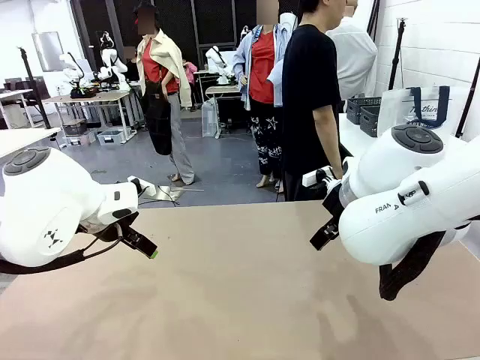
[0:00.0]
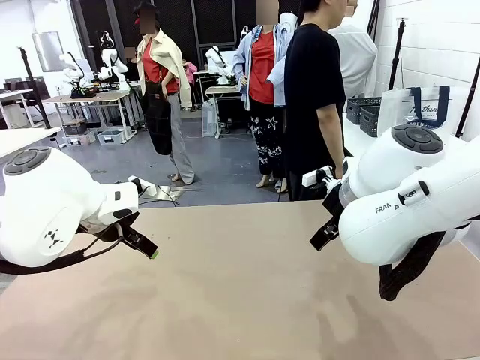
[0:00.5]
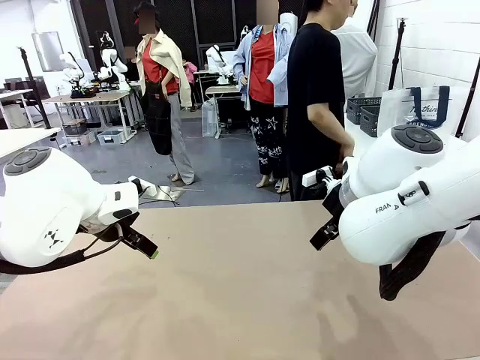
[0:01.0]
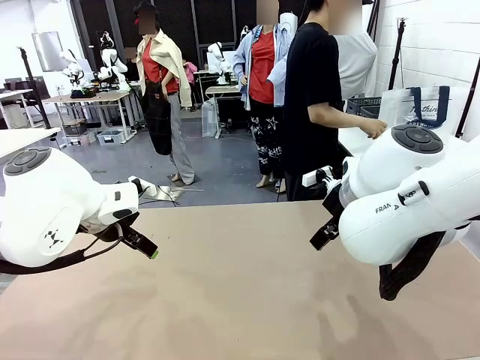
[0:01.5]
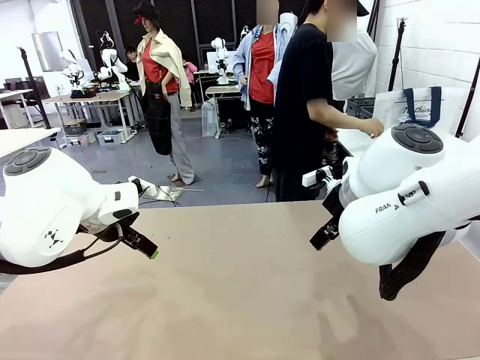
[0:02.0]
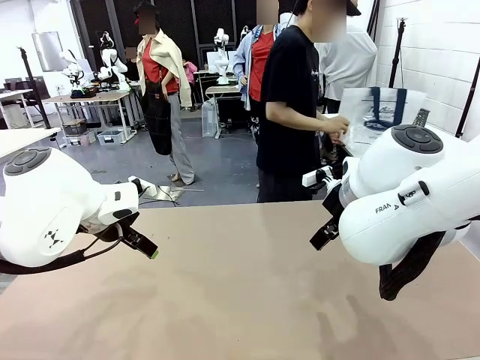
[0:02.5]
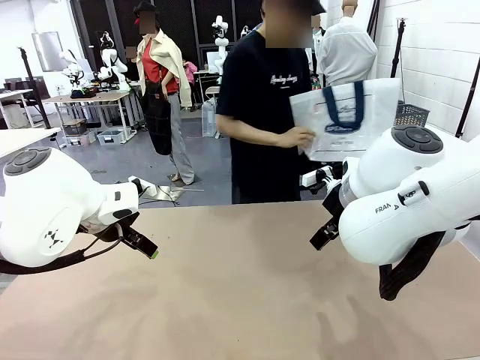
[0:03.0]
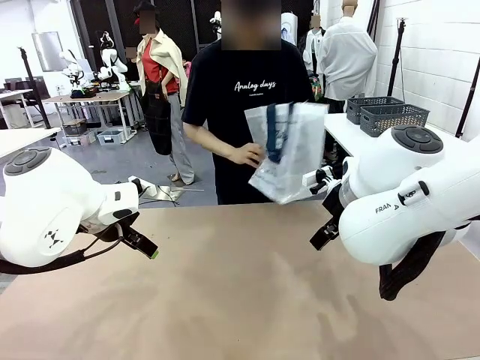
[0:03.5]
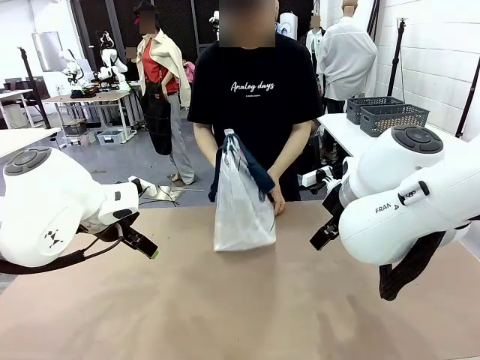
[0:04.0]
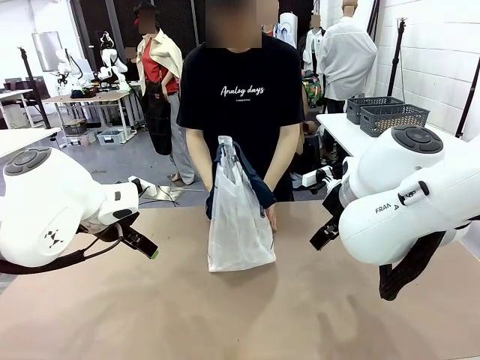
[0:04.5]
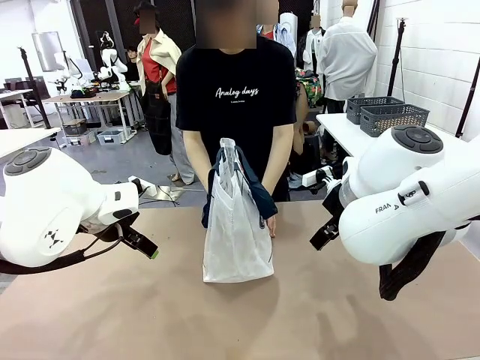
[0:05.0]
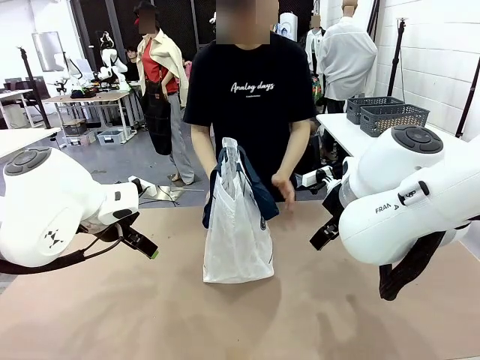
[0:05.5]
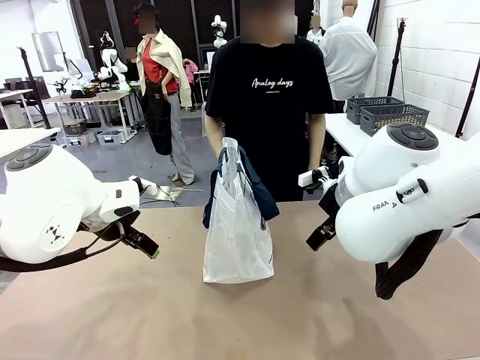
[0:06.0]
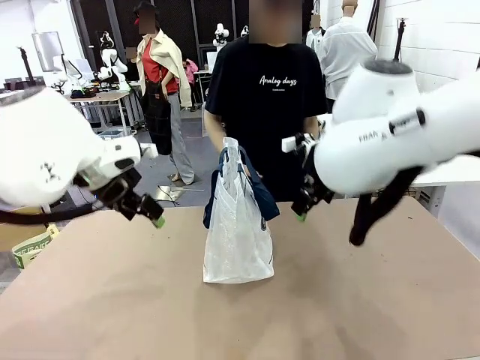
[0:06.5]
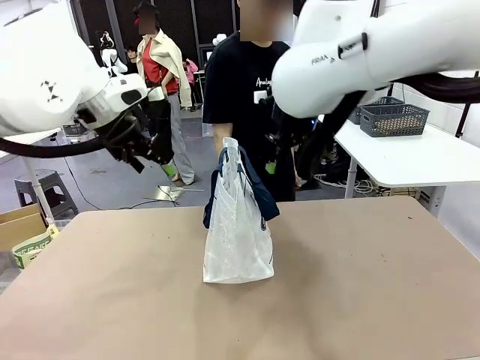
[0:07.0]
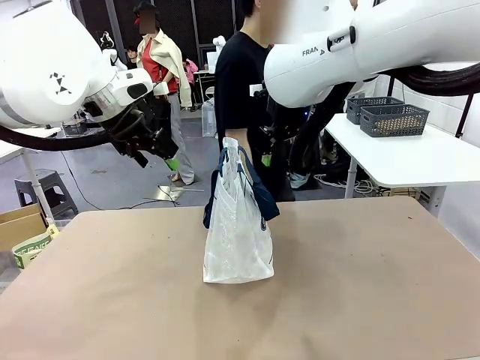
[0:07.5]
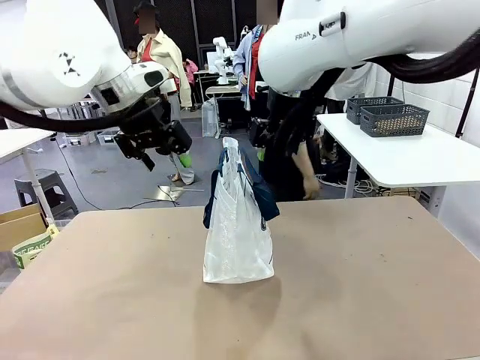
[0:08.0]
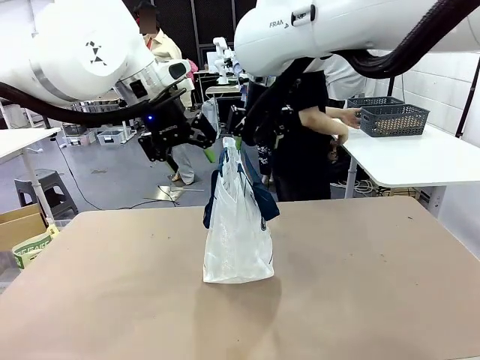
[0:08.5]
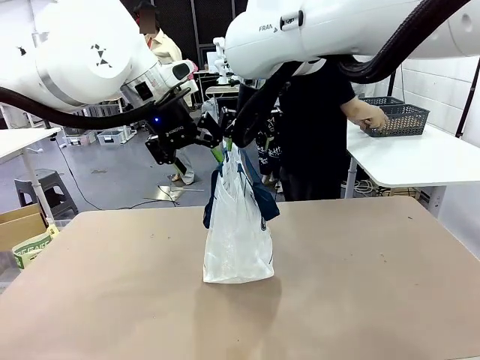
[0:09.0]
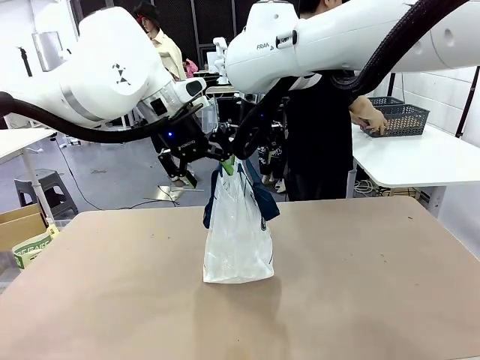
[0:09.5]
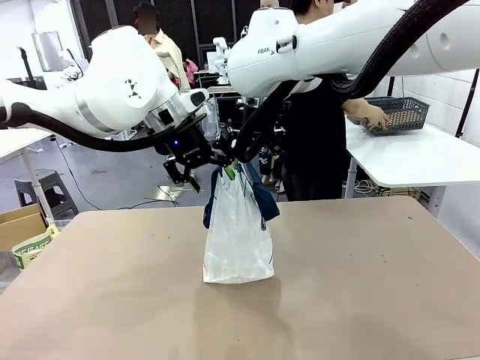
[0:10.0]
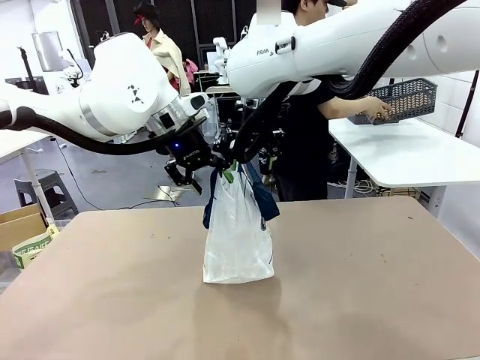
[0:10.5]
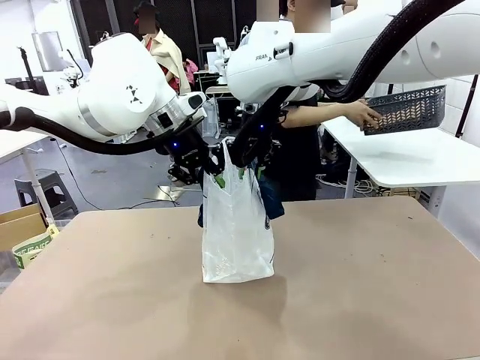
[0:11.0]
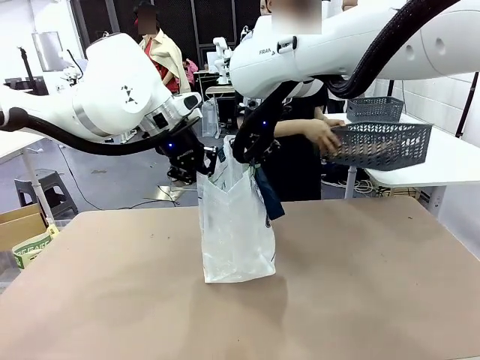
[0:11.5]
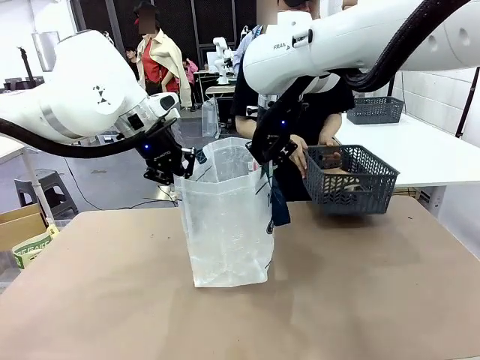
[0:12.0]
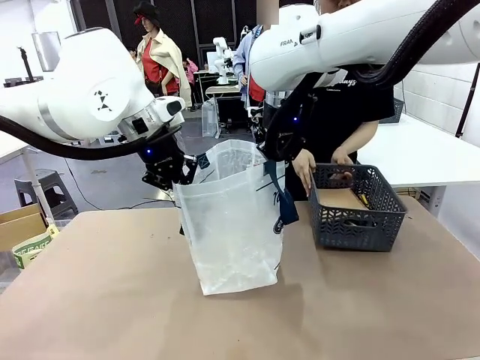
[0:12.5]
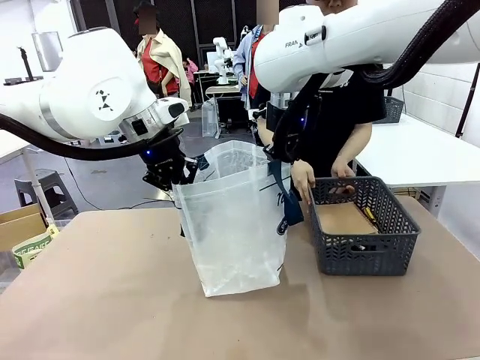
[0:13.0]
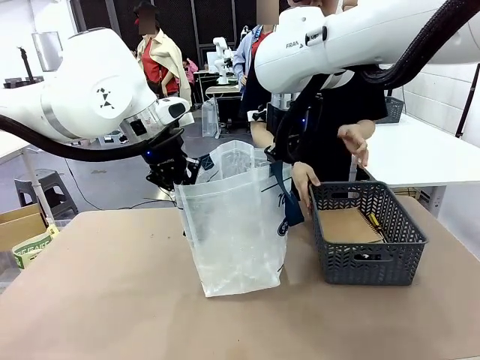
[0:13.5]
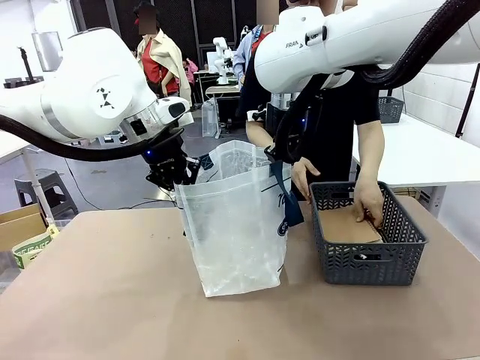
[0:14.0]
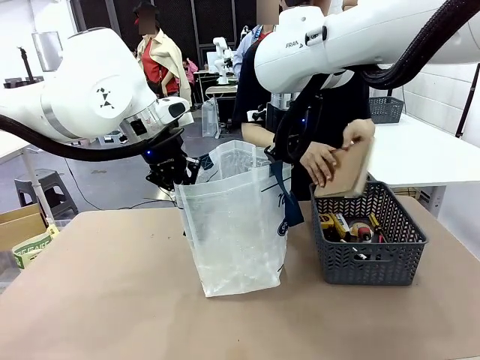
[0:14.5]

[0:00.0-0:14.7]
Task: Transfer purchased items from the store into the shopping bag.
Robot: Open the Reusable shopping bag in the center of the table.
Person: Pick up the shopping bag and place it in the middle of the robot table.

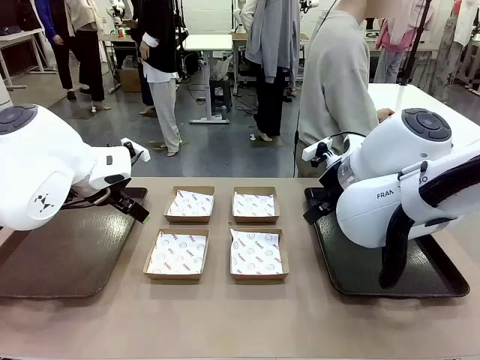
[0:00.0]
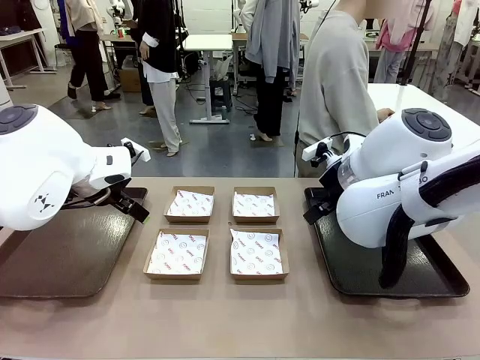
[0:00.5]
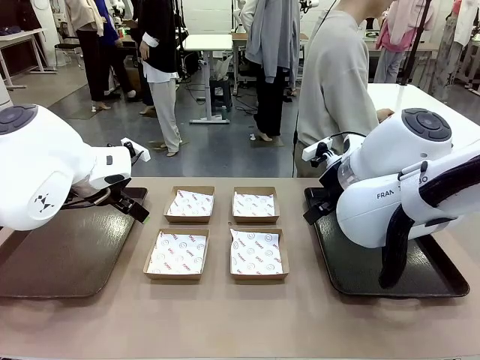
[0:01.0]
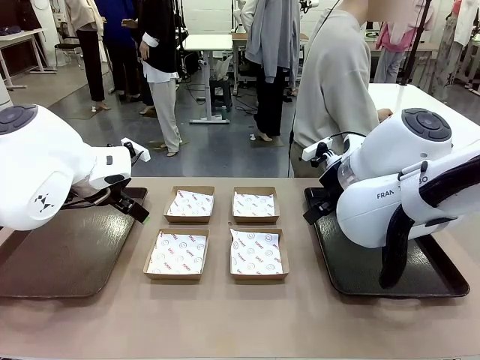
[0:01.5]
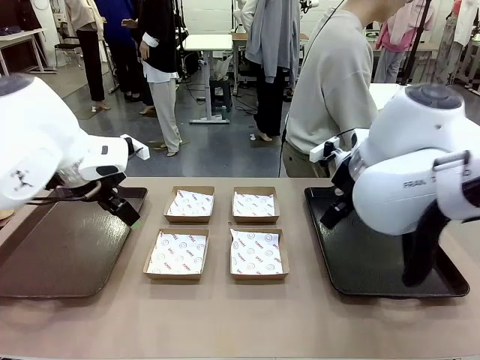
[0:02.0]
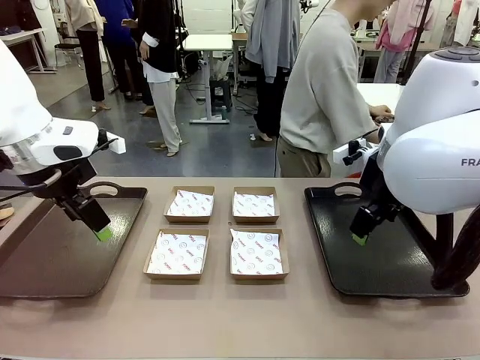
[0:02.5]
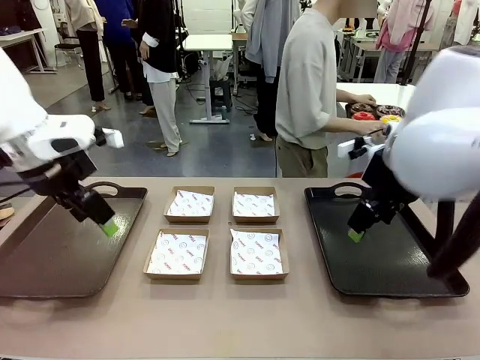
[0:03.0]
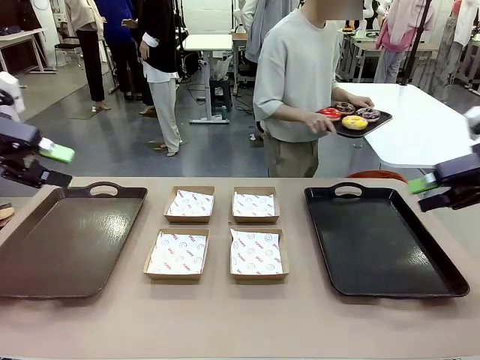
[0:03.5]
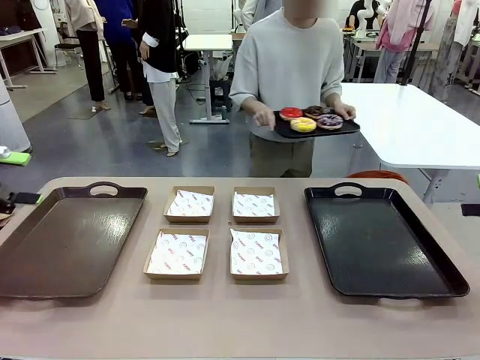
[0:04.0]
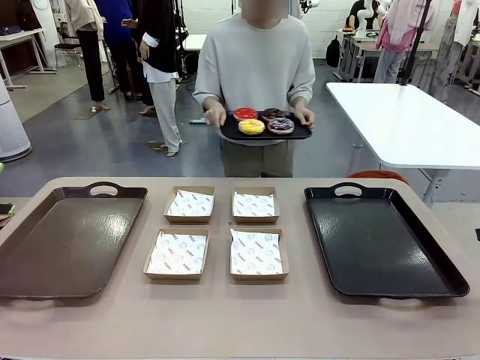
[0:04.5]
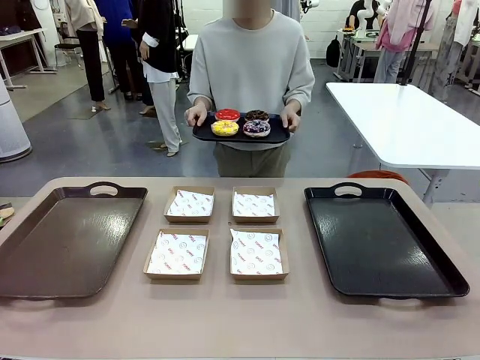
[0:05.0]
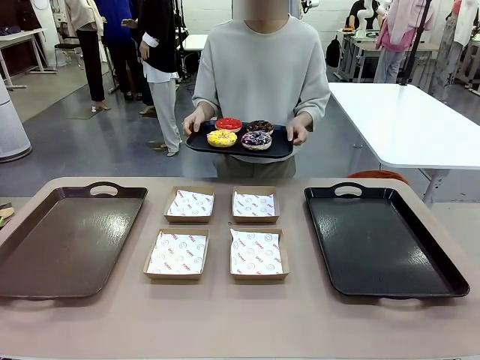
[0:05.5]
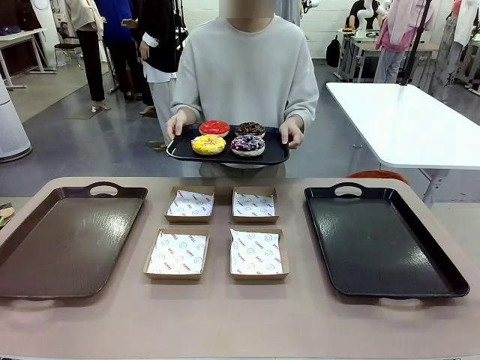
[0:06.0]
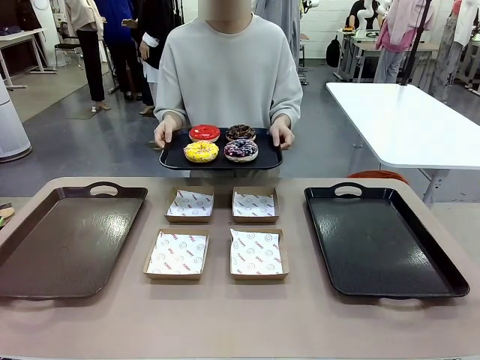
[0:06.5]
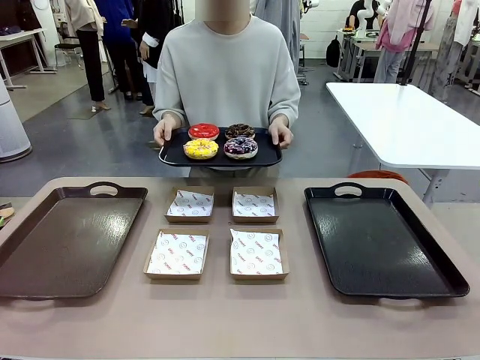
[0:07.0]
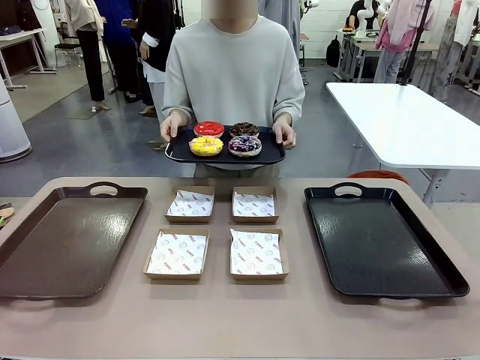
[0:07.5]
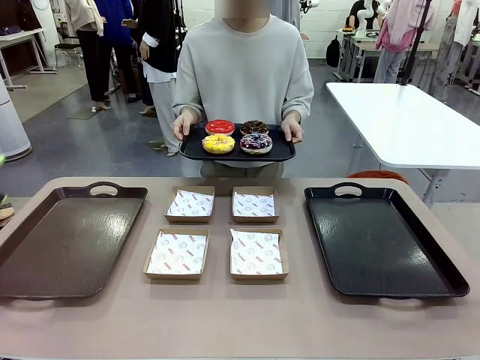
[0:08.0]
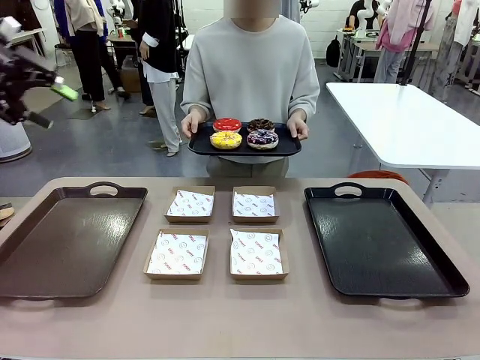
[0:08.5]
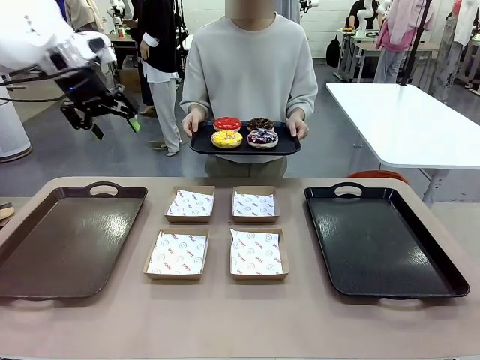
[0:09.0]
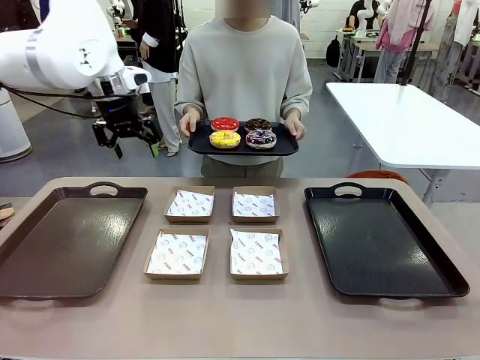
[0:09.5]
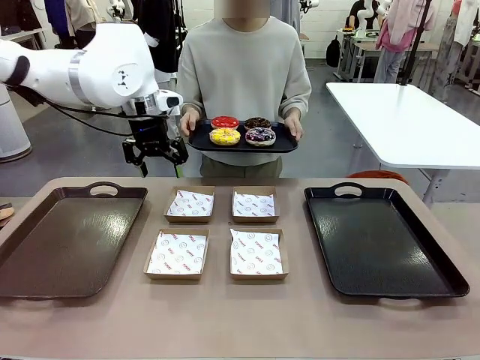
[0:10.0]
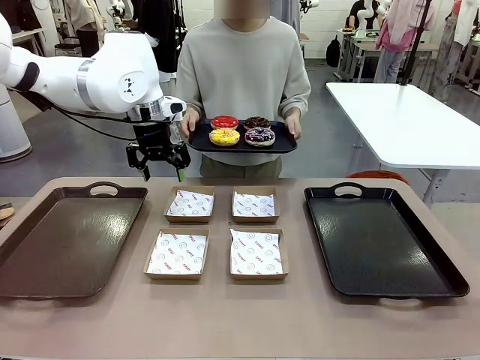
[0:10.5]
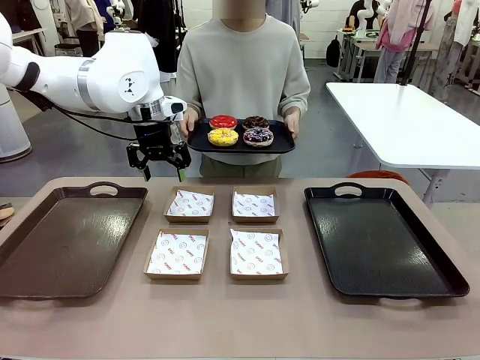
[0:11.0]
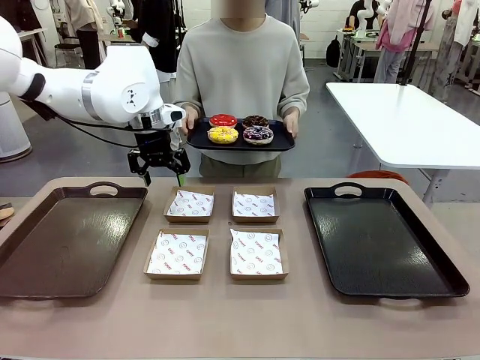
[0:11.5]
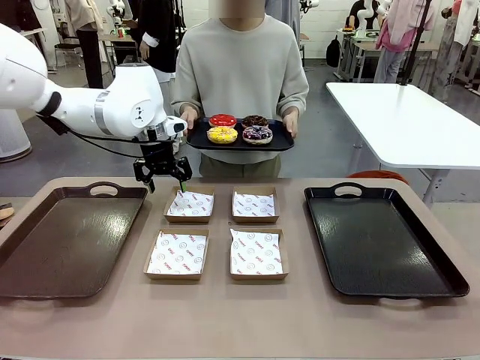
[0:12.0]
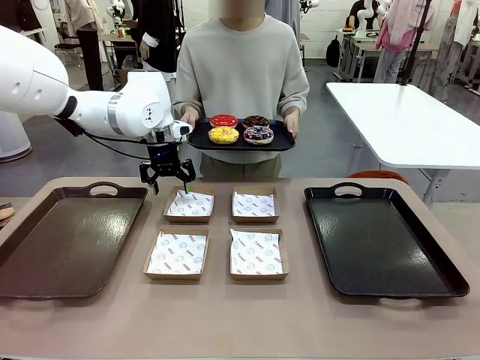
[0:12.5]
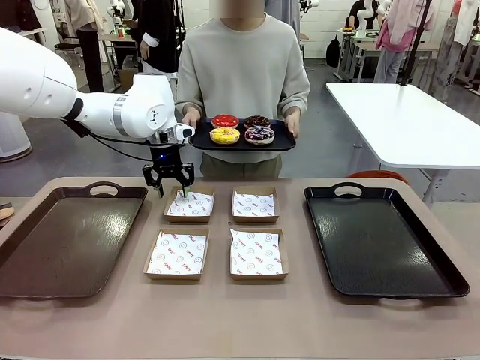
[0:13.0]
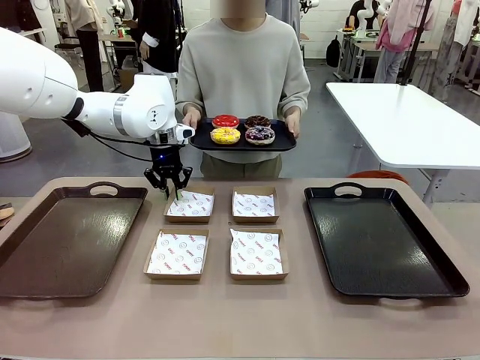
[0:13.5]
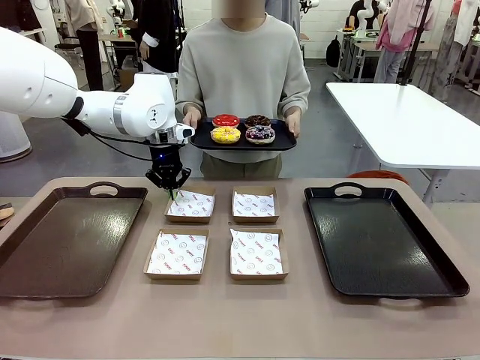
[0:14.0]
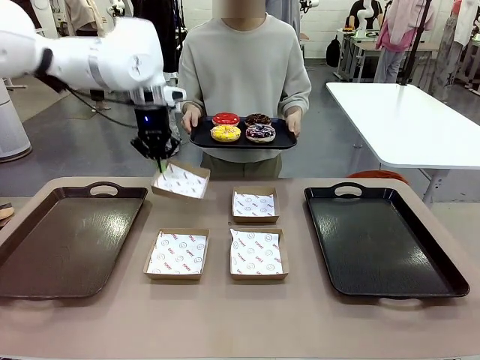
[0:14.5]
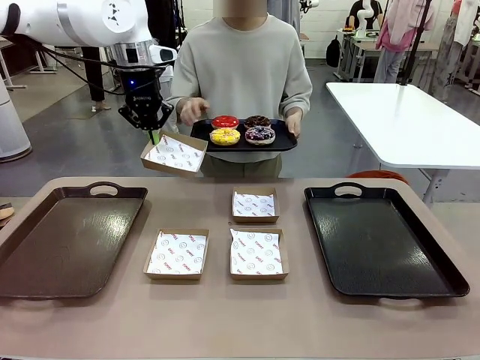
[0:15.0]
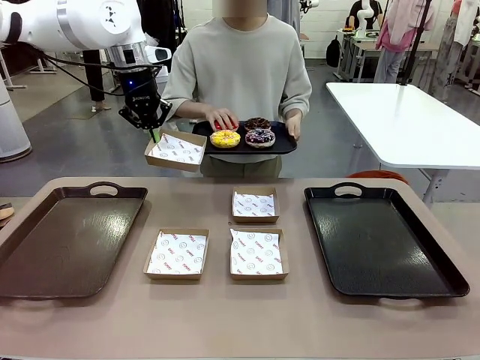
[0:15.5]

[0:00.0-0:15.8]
Task: Individually package the donuts and arrange them on the tray.
Robot: Pick up one Paper togo box.
Person: Stand in front of the robot table holding the tray containing the donuts.
